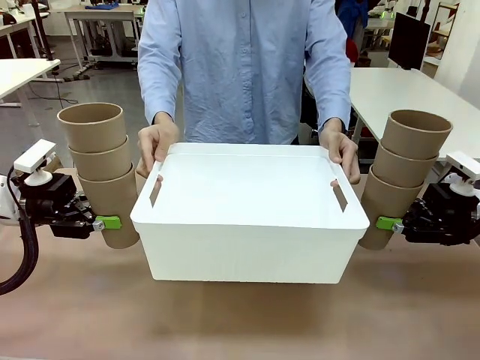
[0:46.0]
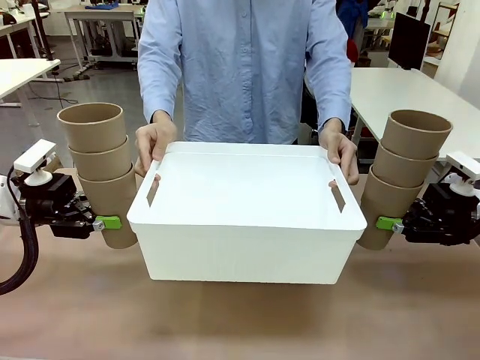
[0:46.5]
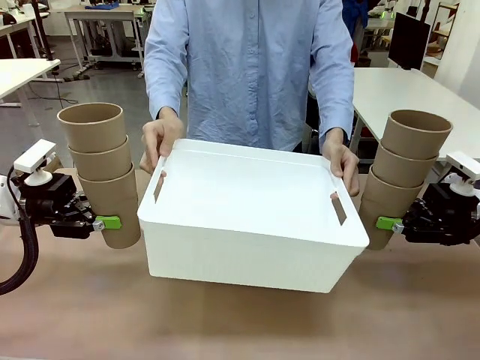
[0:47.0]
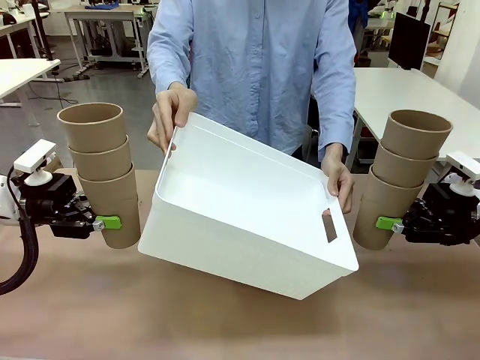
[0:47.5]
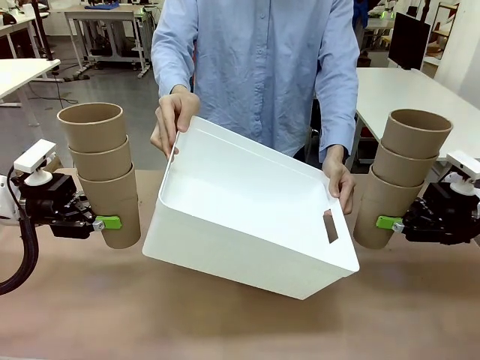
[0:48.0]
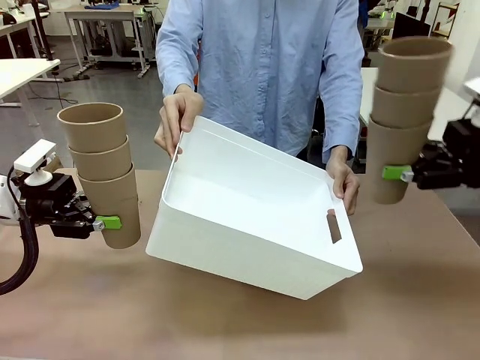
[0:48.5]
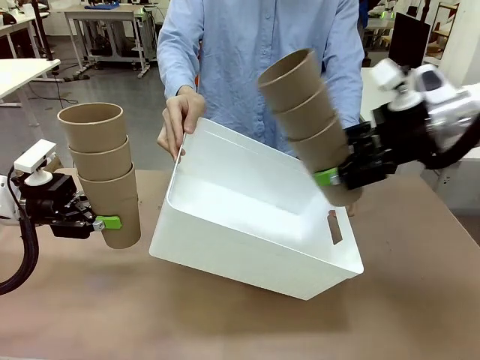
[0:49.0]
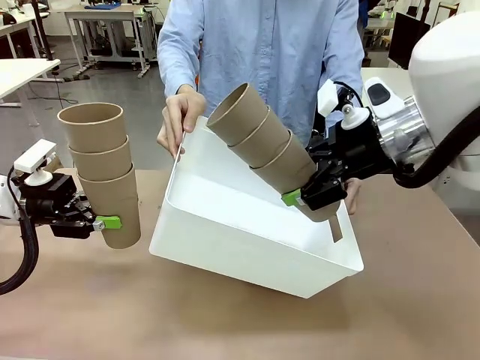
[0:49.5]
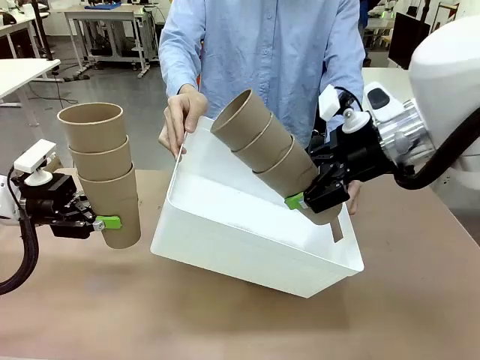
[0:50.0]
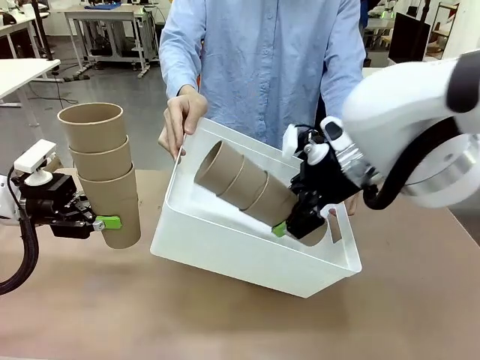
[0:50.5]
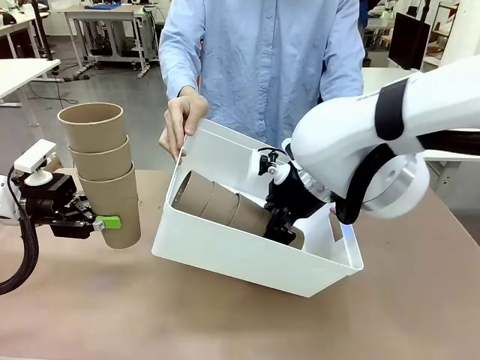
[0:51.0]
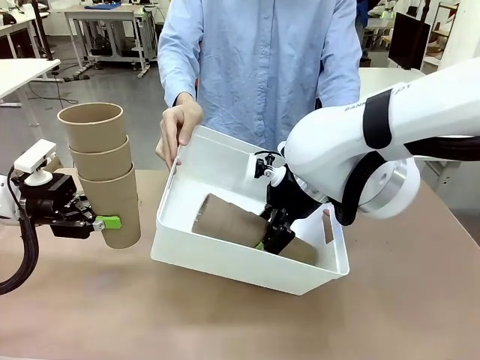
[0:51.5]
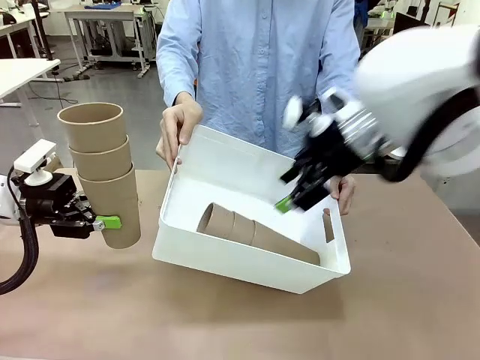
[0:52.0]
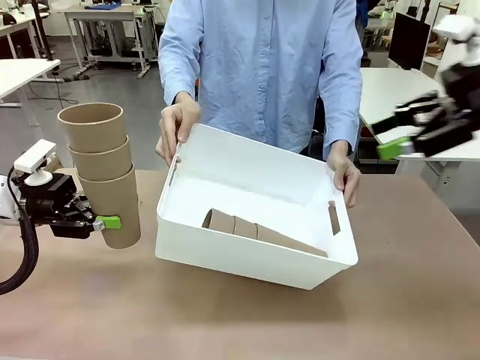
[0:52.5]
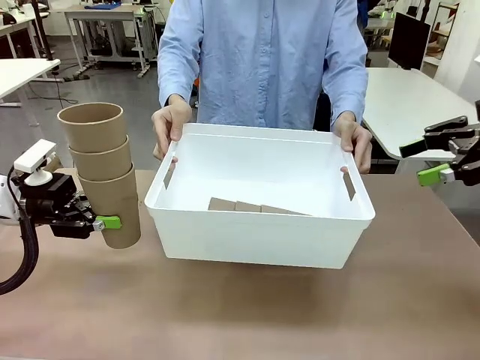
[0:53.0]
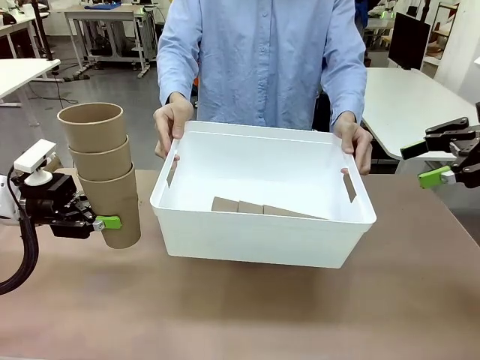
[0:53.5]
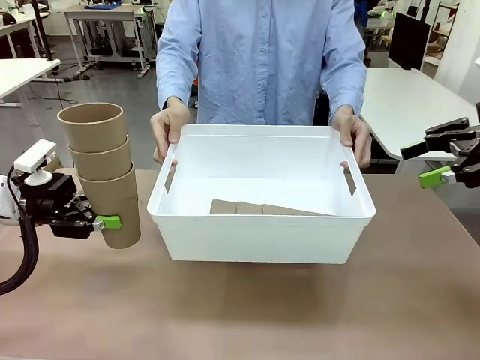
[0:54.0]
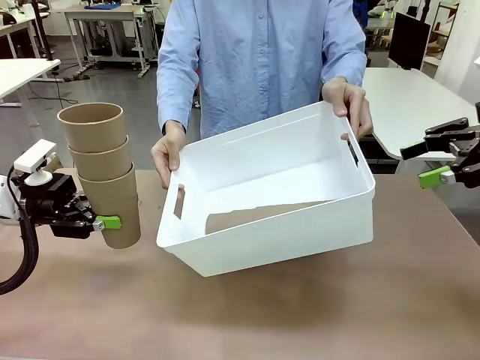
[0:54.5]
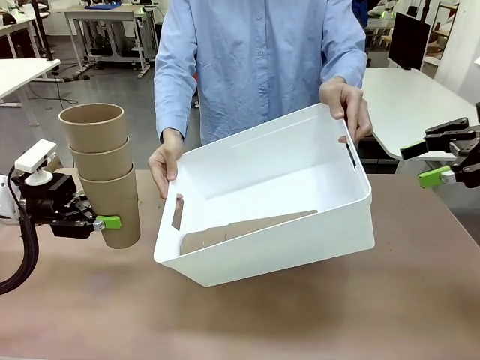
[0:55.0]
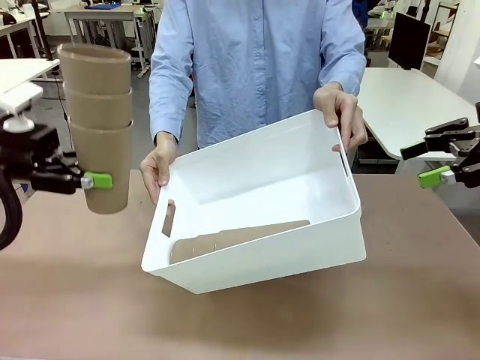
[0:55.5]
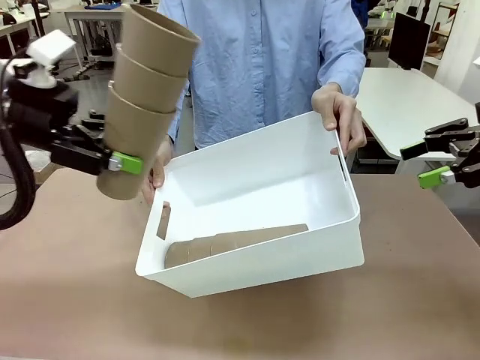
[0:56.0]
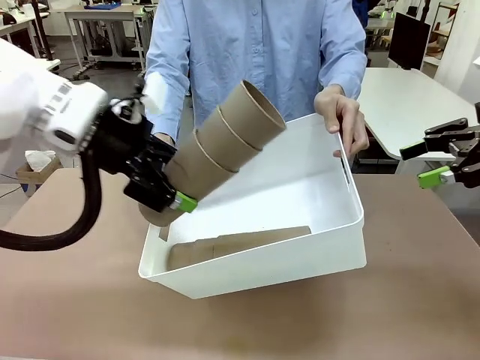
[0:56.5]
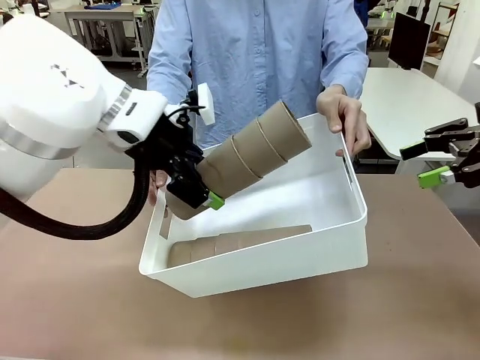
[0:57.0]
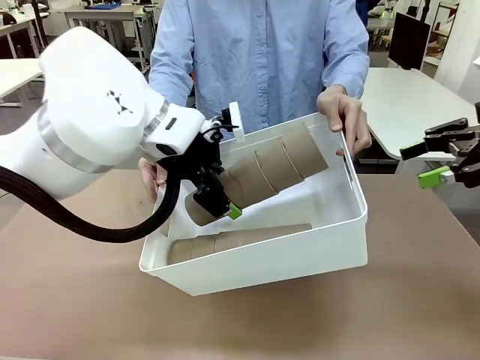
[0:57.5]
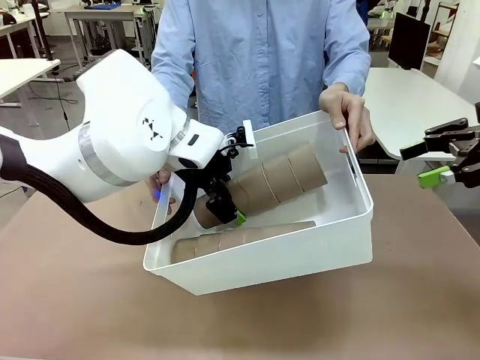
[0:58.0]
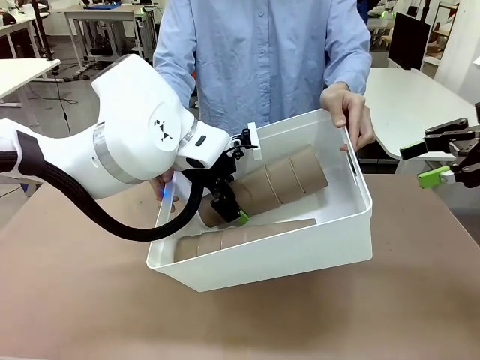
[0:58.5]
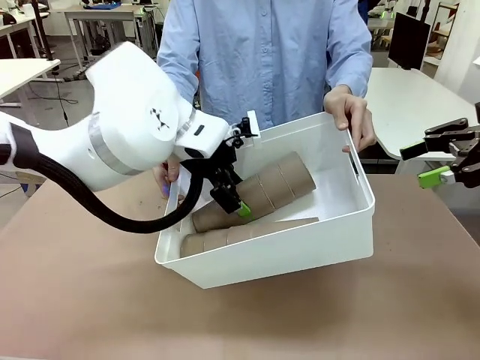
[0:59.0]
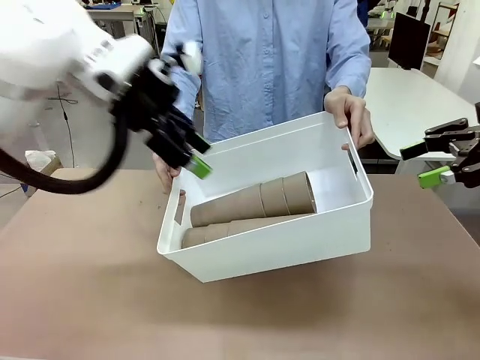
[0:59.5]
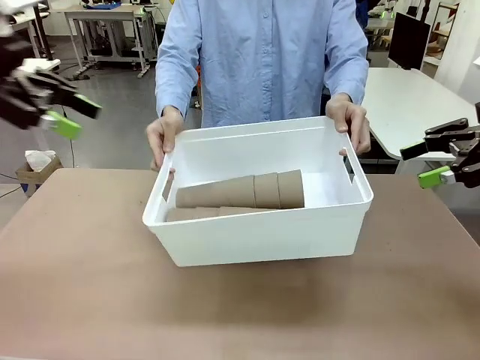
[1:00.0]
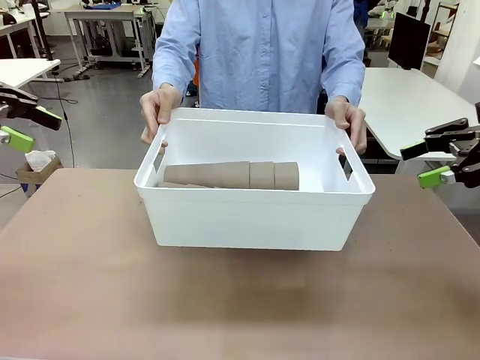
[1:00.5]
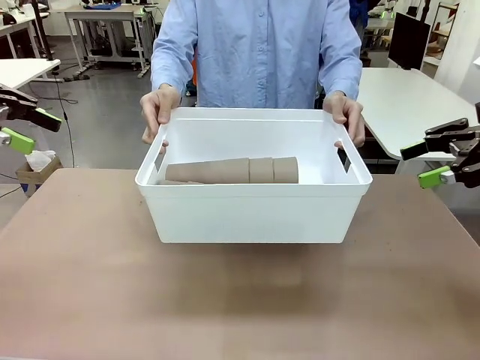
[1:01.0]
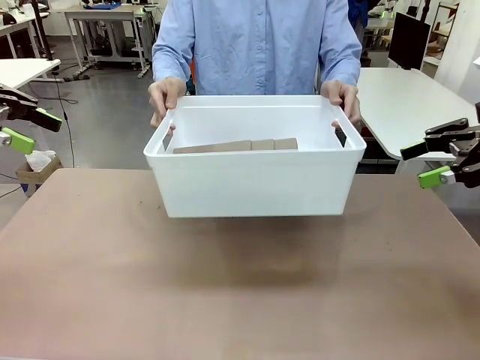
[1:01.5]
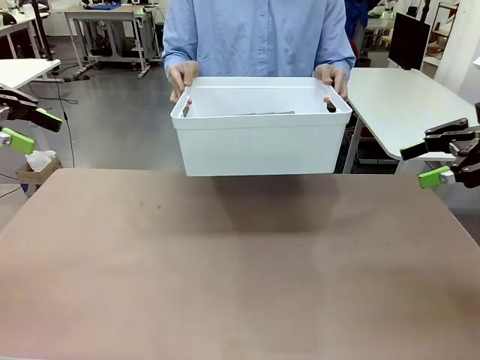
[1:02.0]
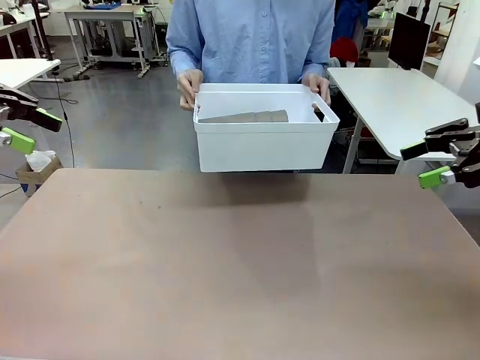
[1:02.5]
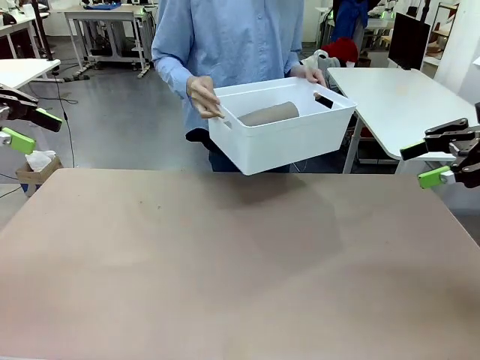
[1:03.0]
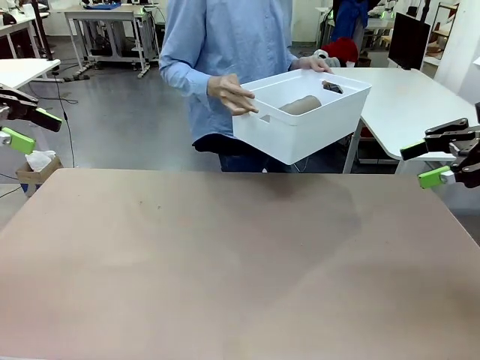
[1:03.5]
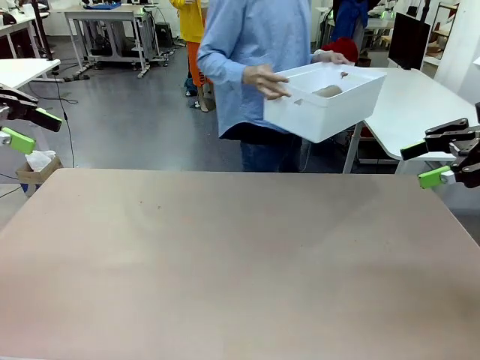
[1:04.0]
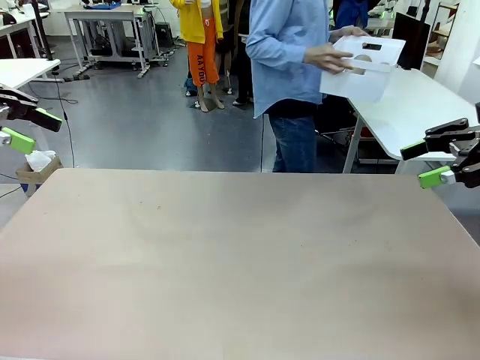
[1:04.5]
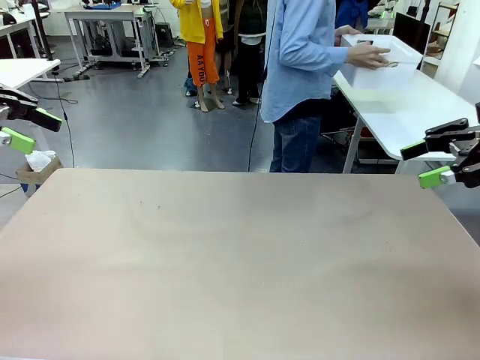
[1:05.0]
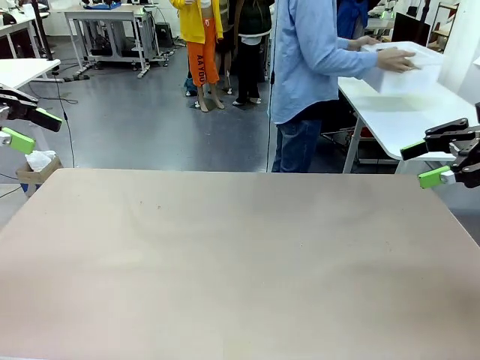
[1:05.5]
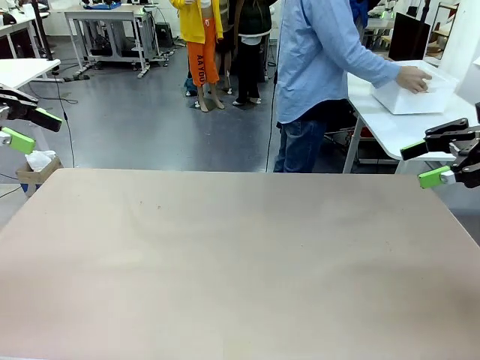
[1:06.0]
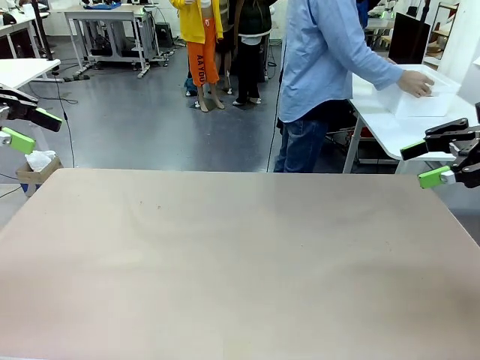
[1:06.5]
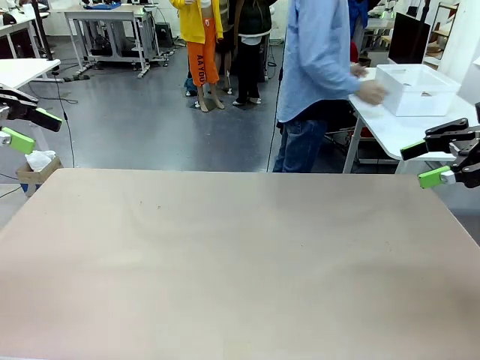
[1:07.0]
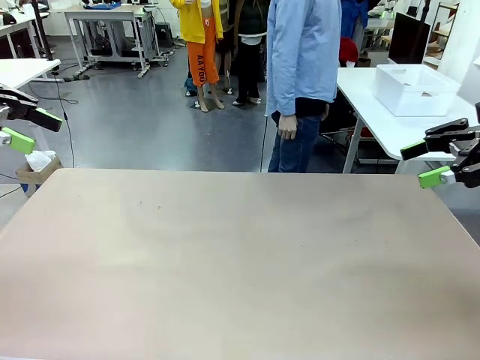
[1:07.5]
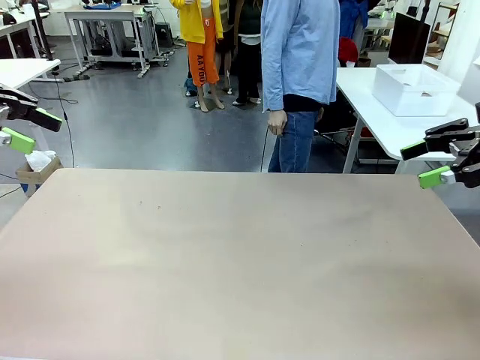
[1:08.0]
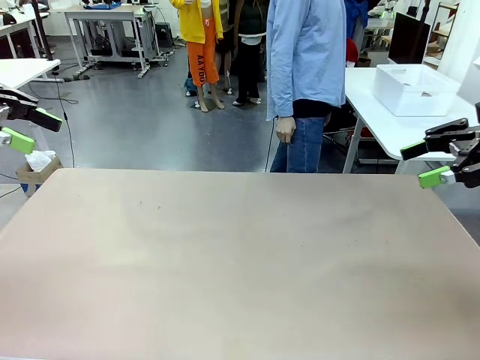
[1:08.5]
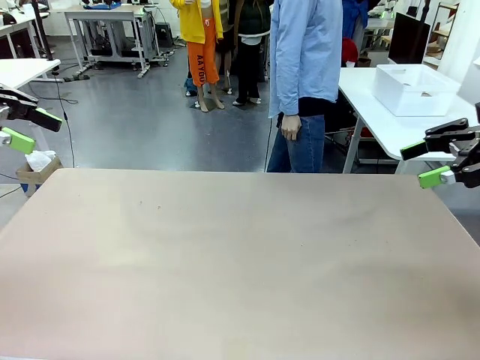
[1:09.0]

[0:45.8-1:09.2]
Task: Stack the cups and store them in the basket.
Robot: Place the stack of Reusable plastic cups into the Pantry Basket.
Person: Place the basket containing the cups in the middle of the Human Table.
